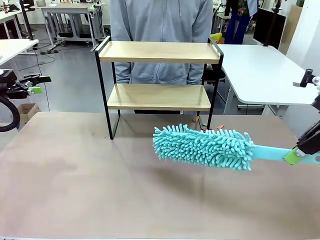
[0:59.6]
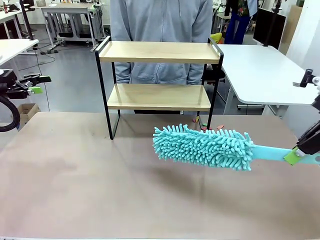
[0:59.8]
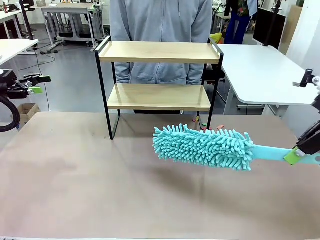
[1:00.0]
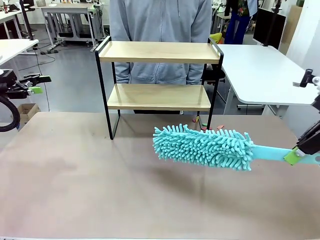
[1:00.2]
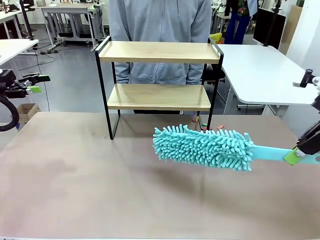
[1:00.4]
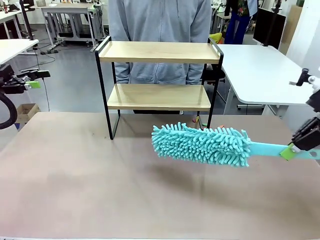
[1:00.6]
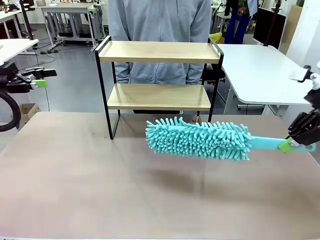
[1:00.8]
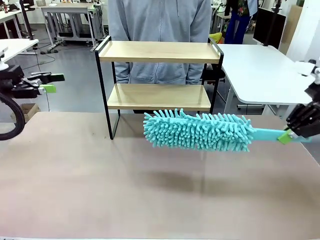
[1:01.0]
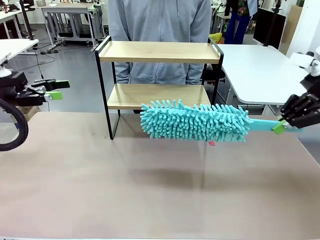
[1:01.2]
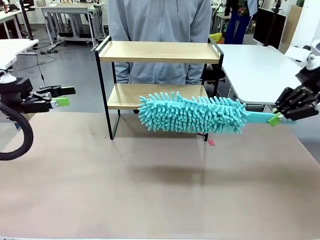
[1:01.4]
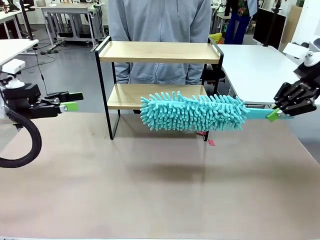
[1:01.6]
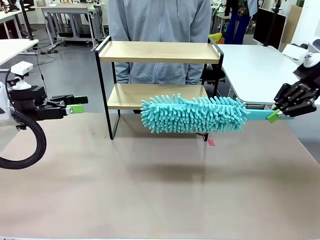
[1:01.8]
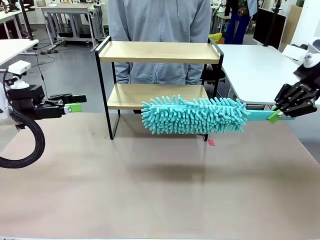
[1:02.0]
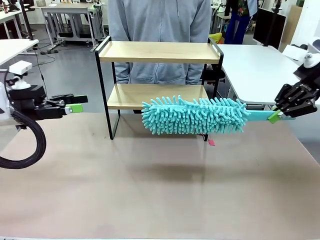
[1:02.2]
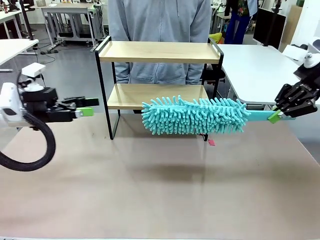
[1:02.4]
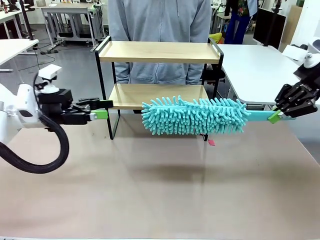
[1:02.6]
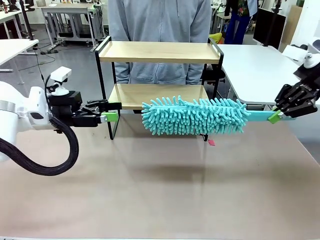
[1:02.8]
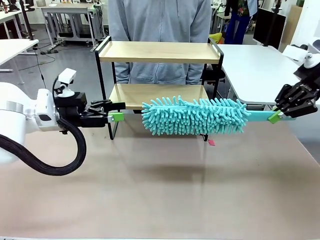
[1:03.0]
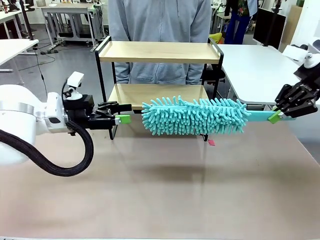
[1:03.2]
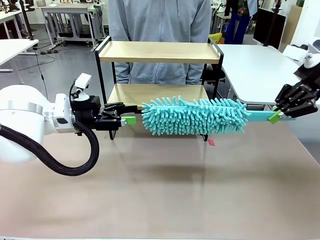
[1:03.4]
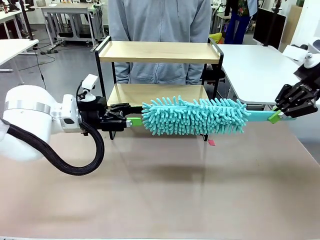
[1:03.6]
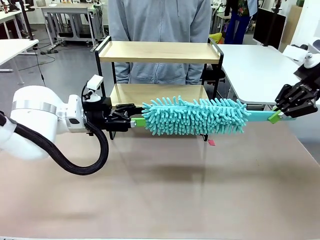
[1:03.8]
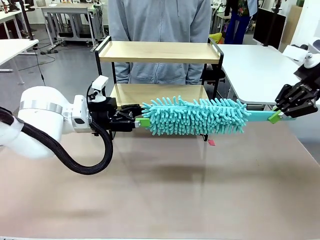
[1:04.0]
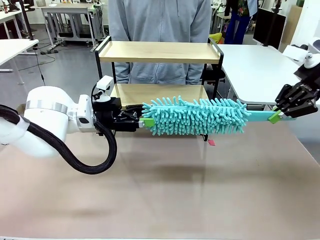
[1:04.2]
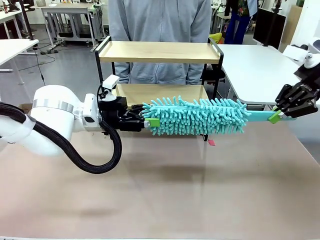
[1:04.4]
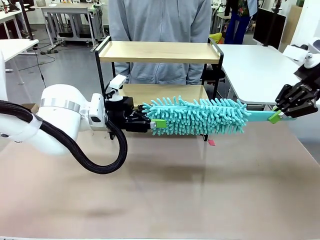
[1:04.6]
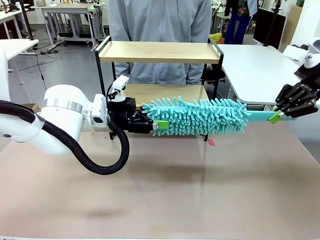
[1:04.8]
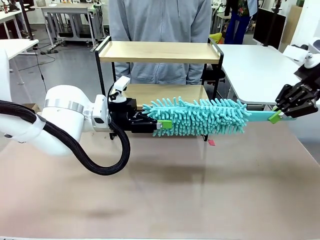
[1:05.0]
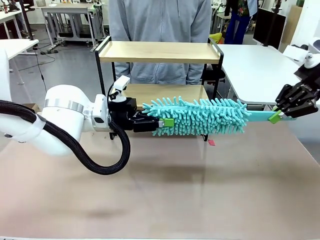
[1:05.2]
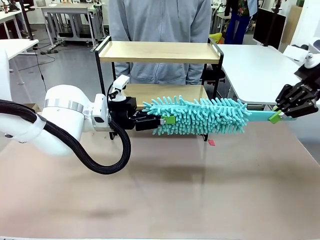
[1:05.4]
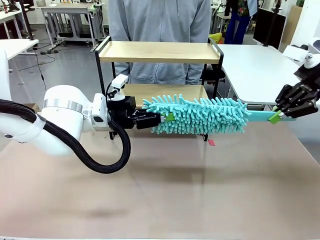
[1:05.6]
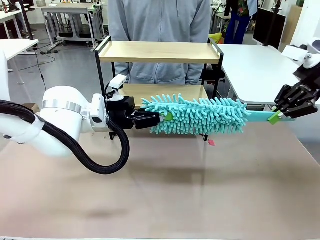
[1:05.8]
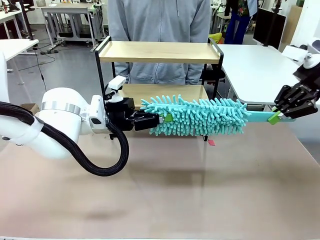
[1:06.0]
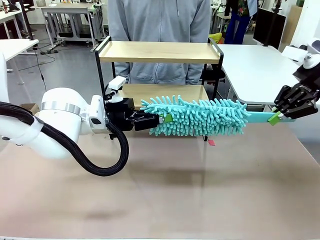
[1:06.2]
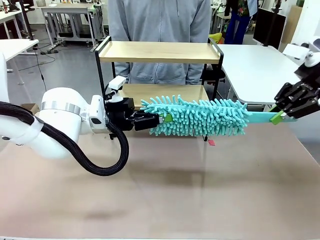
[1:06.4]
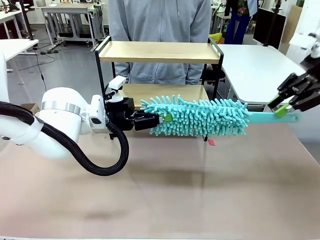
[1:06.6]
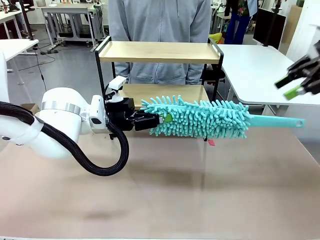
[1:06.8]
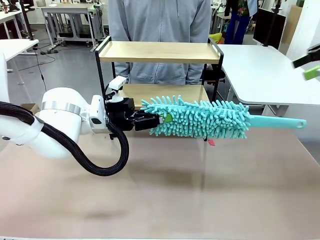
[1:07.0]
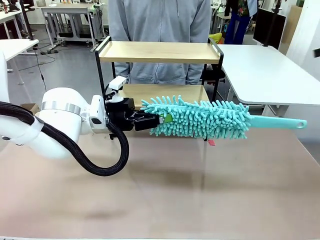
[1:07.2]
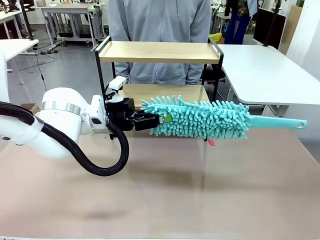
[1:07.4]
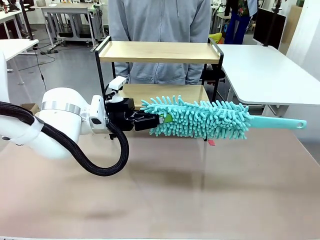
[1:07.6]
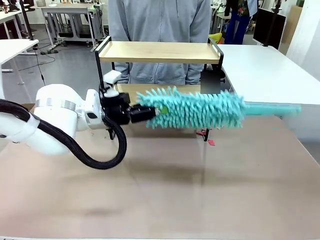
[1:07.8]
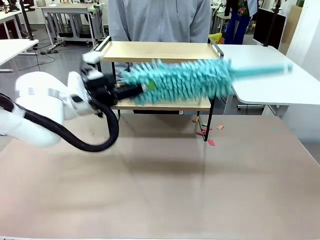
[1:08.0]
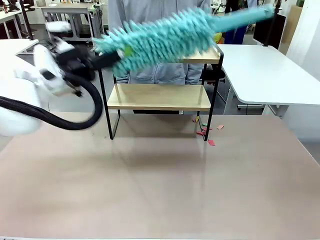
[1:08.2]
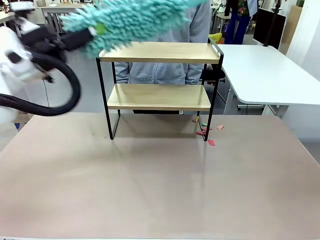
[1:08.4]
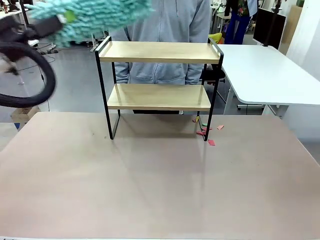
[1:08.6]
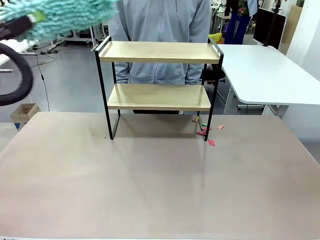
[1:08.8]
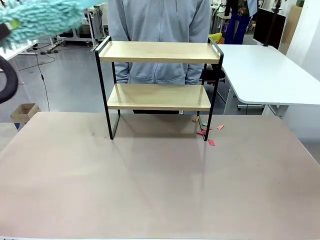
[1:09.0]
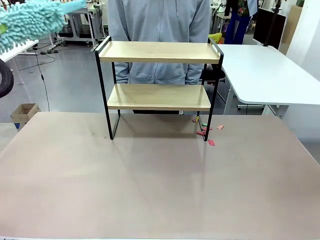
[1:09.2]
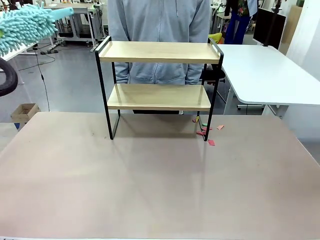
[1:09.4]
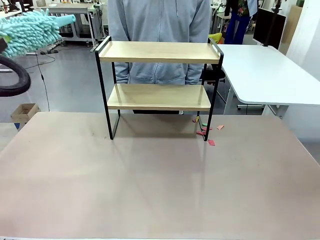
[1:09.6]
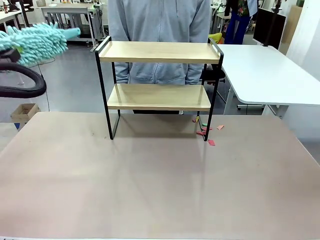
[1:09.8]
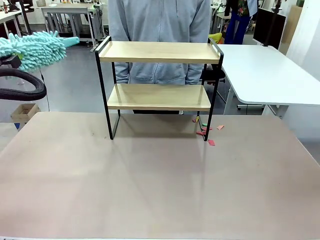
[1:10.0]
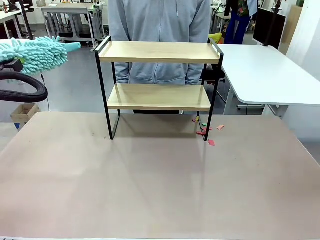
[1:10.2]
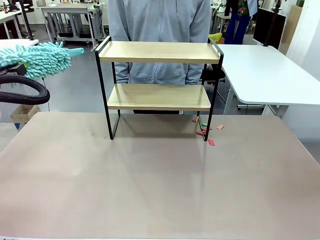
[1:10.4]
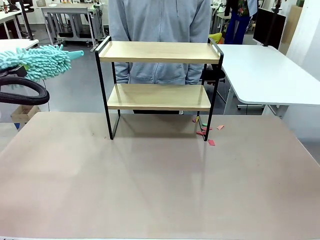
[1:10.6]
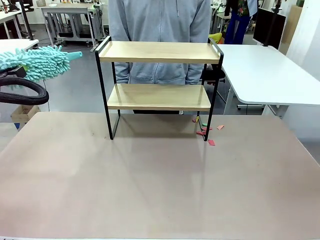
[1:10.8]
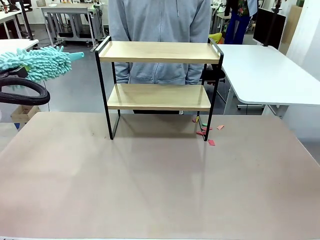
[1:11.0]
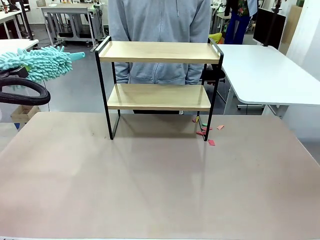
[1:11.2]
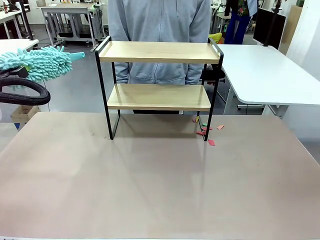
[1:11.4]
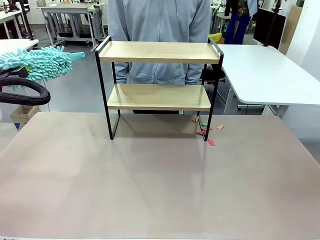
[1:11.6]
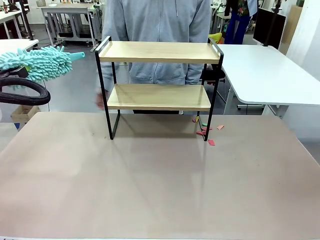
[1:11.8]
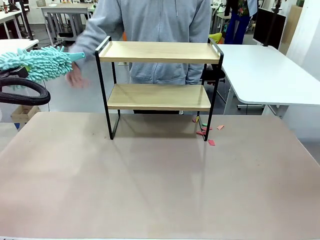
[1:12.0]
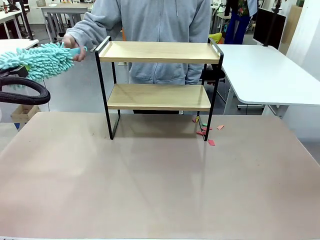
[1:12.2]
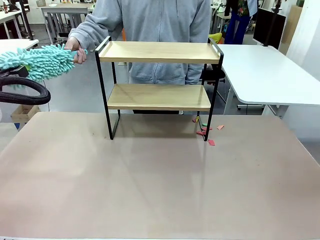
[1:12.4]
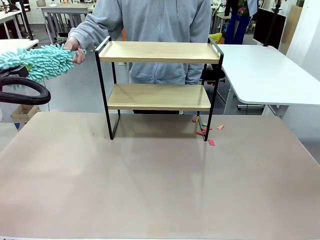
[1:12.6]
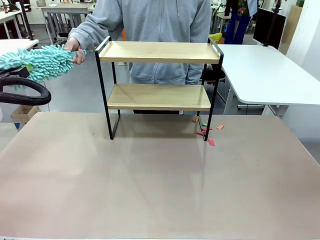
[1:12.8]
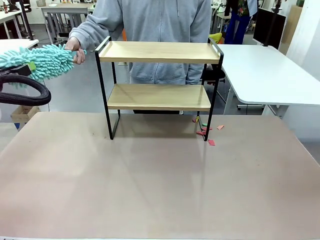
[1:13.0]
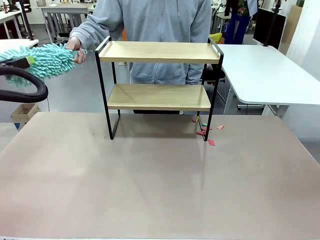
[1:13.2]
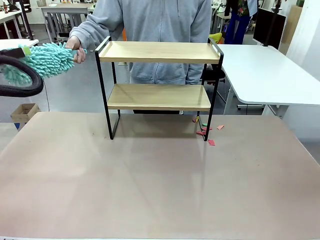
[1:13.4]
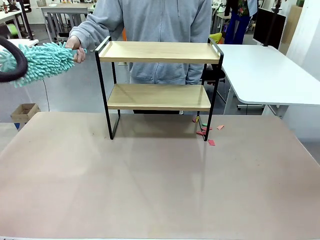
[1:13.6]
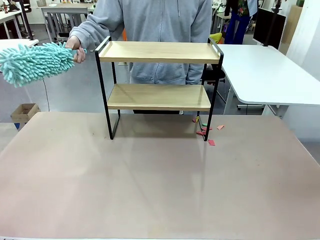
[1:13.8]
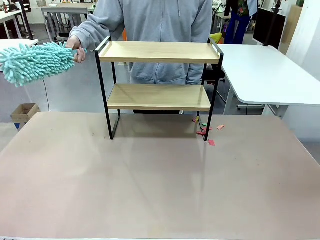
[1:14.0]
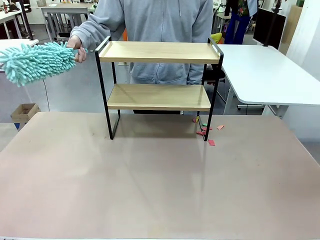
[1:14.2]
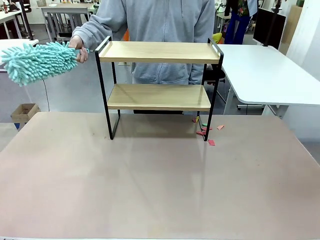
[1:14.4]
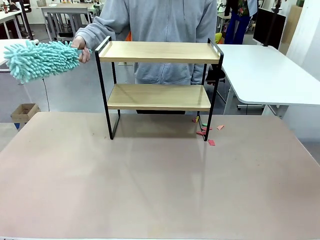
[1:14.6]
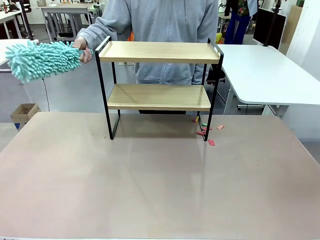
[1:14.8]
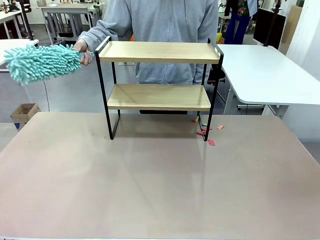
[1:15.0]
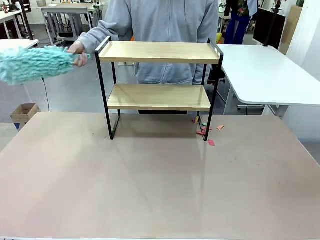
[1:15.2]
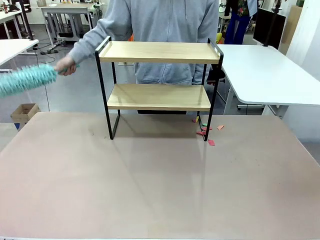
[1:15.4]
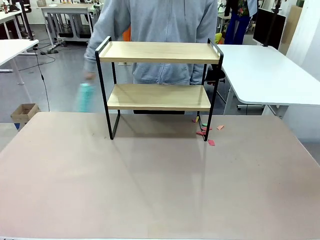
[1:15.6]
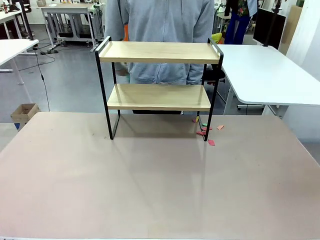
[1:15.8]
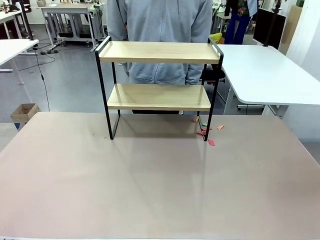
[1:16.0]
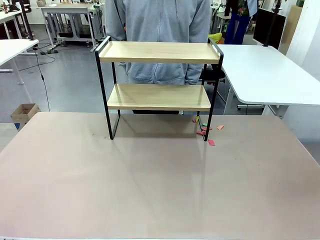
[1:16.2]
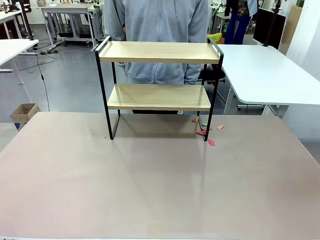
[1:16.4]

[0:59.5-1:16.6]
Task: Clean the shelf.
Robot: Hand the Duster back to the human.
Person: Receive the Duster from the robot.
